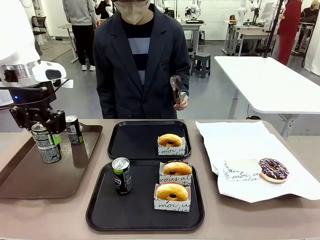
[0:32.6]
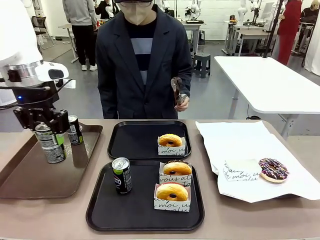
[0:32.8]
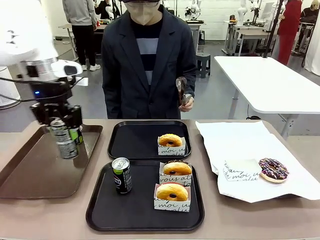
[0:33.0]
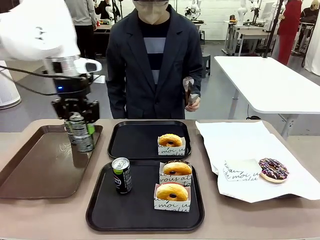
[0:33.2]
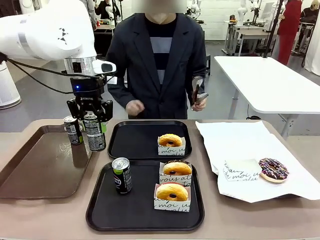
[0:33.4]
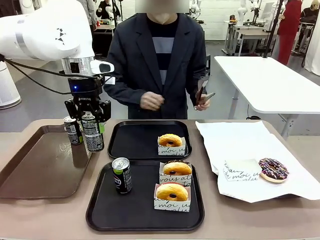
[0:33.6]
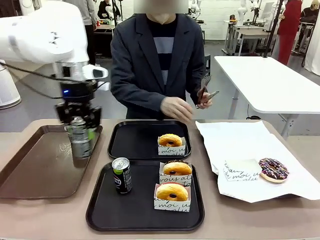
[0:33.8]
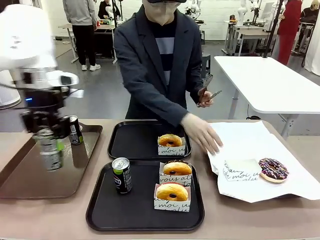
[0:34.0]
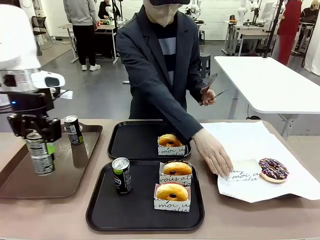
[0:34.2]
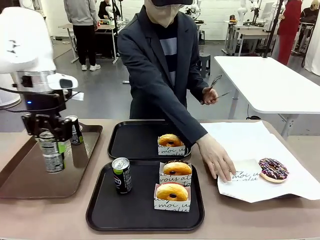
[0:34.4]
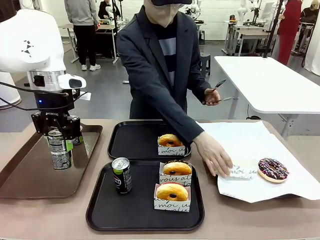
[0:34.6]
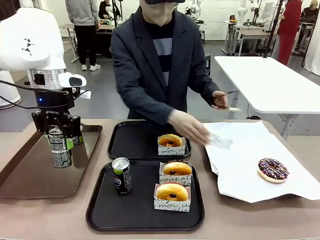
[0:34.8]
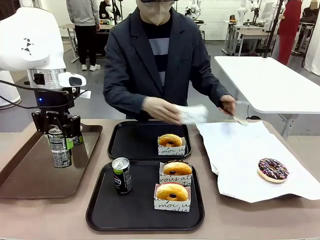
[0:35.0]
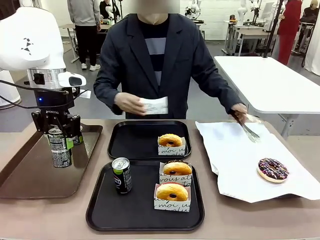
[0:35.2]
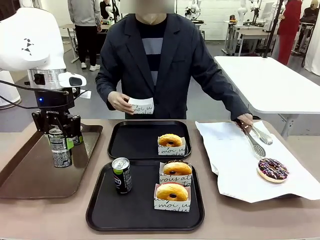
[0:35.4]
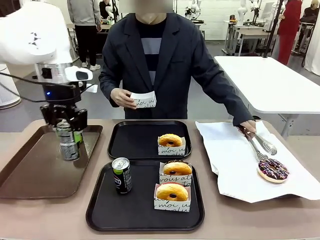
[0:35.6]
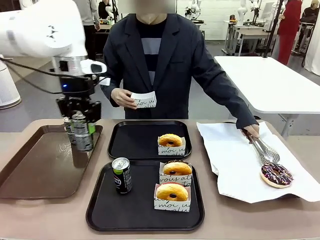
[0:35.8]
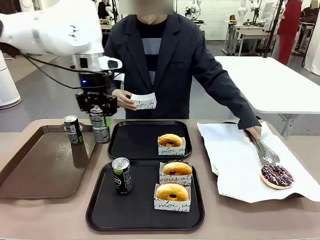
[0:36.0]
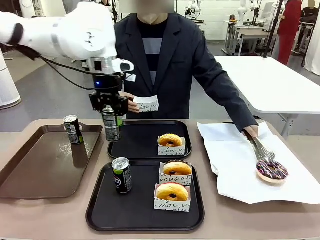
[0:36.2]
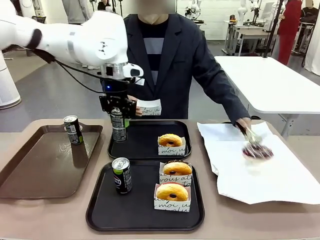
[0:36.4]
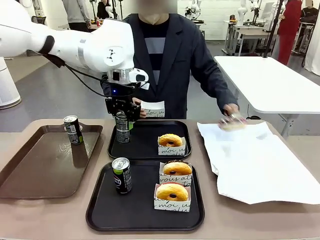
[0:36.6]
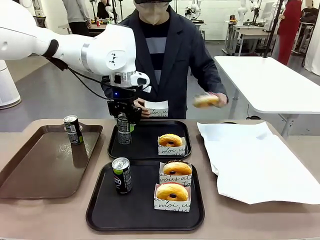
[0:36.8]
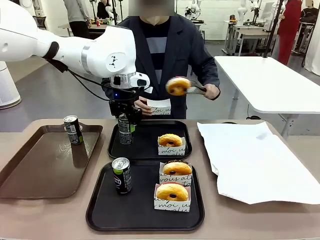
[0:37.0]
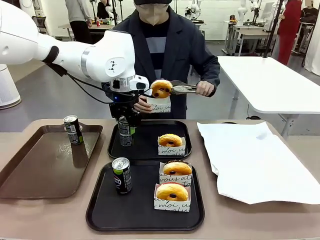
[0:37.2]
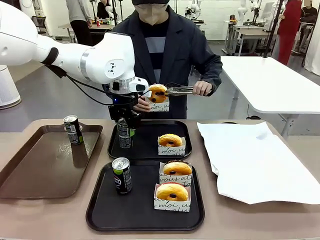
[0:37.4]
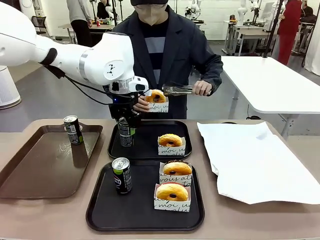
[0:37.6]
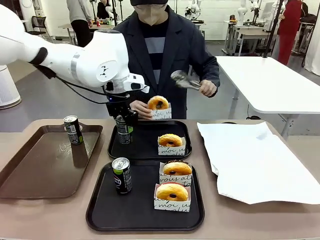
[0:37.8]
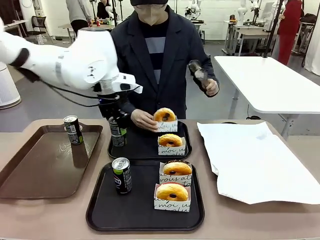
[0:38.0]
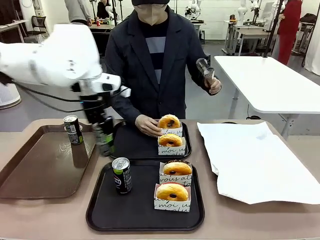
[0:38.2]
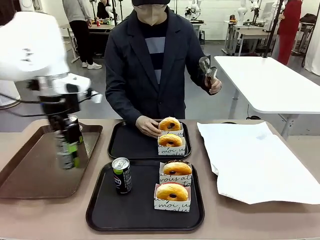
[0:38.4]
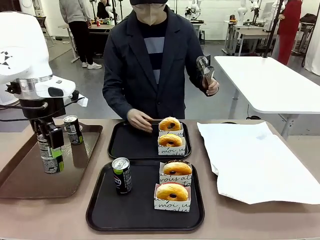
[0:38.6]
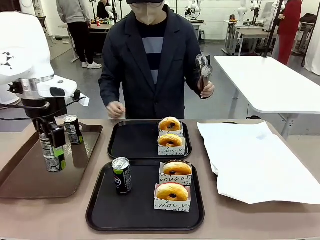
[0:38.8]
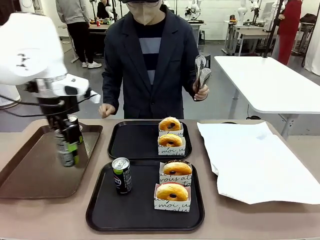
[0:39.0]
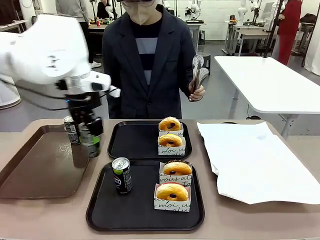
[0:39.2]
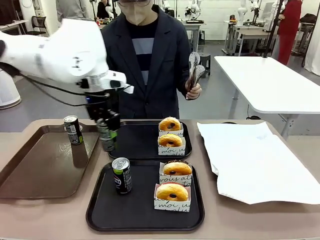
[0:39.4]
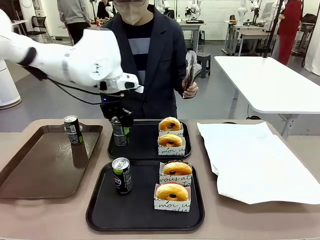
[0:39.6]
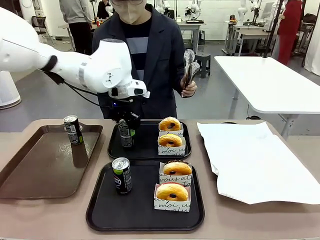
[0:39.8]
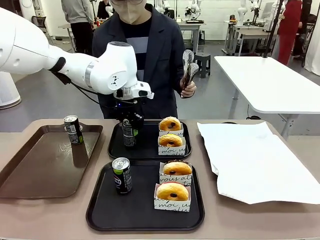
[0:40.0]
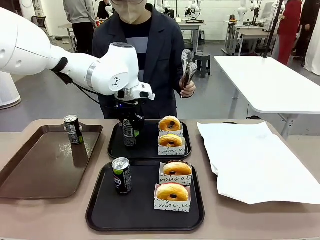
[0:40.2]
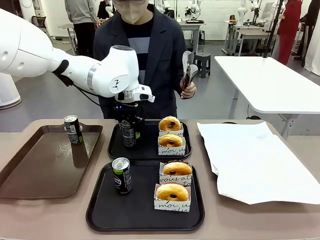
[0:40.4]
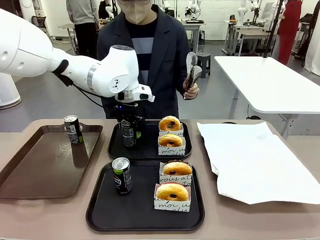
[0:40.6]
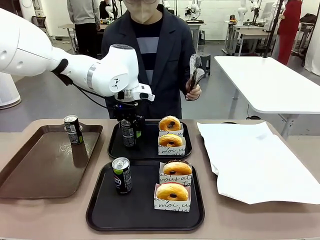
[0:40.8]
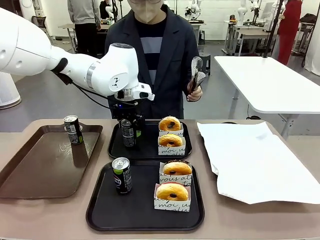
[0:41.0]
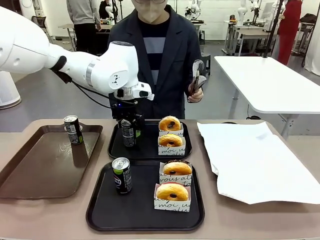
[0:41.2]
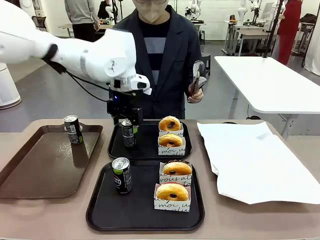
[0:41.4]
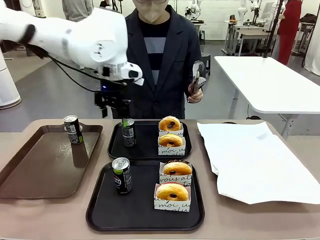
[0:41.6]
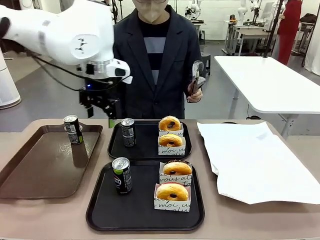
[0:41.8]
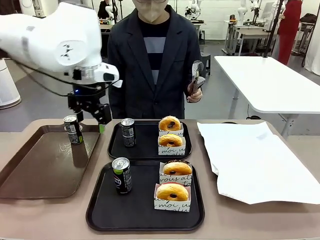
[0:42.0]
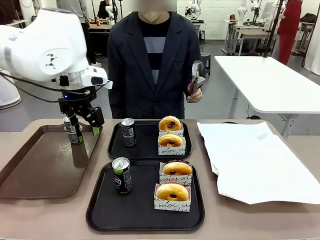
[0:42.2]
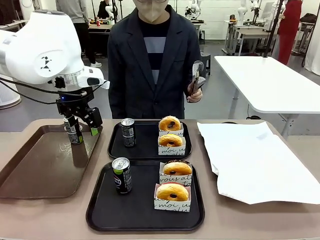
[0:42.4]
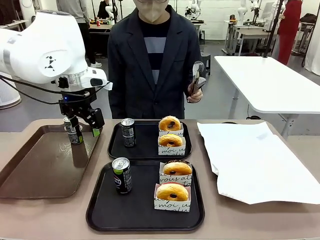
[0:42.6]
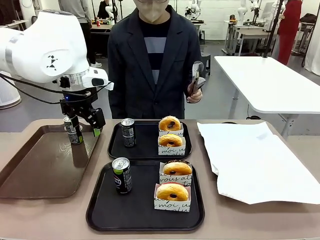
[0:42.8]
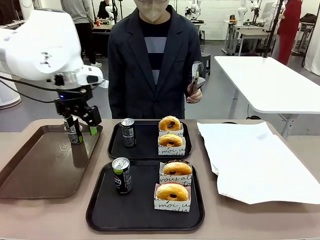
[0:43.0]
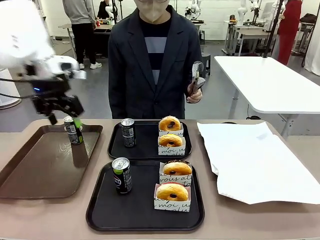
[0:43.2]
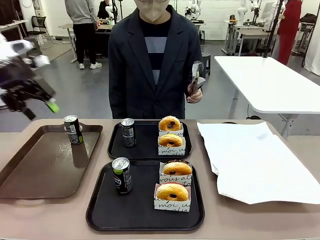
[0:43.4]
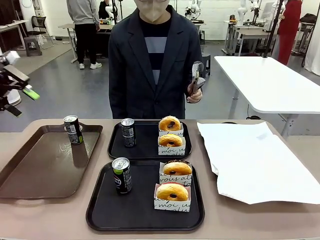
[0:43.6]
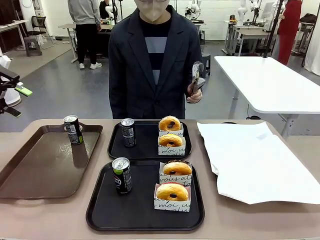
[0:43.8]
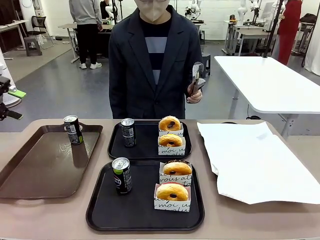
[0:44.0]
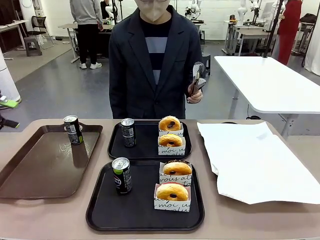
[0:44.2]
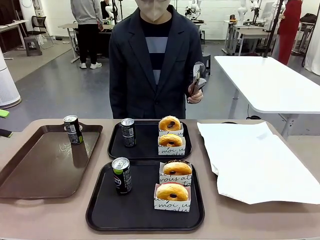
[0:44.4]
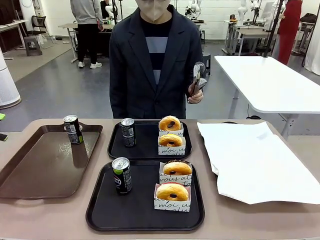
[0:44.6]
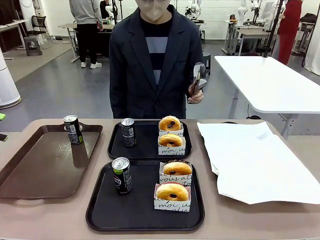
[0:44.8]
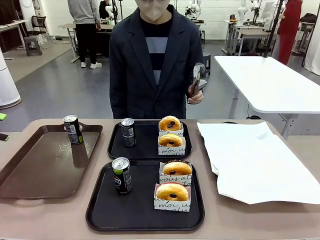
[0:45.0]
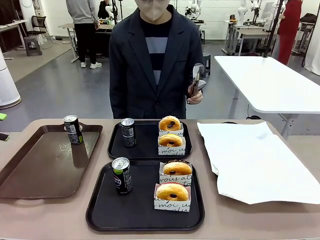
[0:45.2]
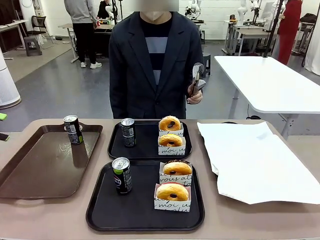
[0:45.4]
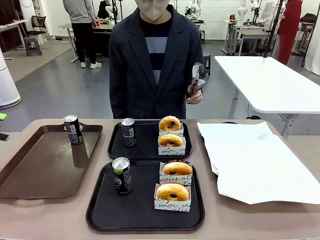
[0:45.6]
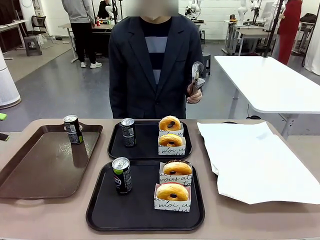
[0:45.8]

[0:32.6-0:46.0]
Task: Set up donuts and drinks on trays.
Robot: Pick up one Pepsi coke from the Handle tray and place it on the Flat Tray without a Pepsi coke.
